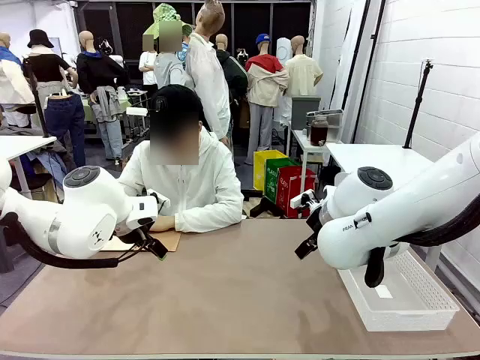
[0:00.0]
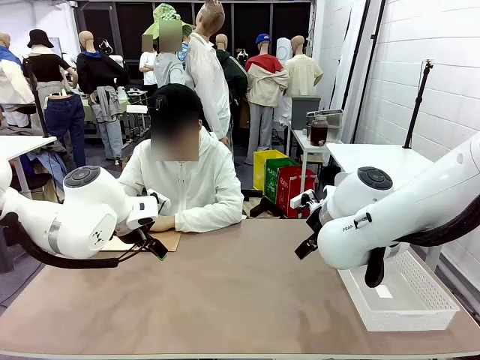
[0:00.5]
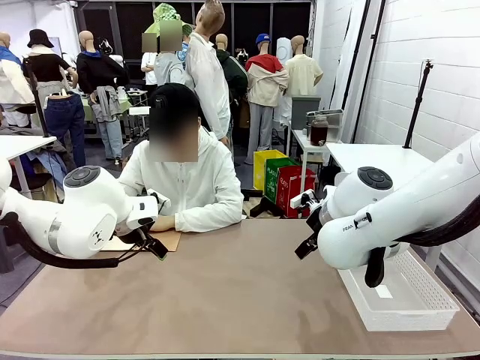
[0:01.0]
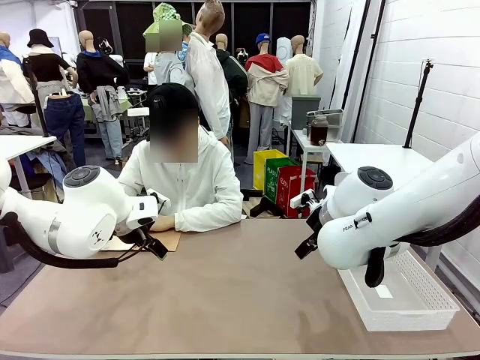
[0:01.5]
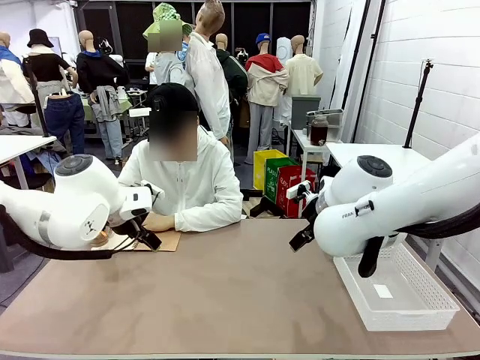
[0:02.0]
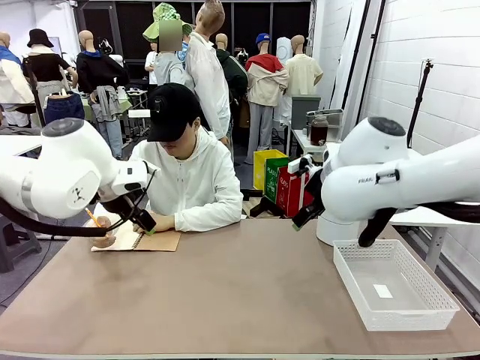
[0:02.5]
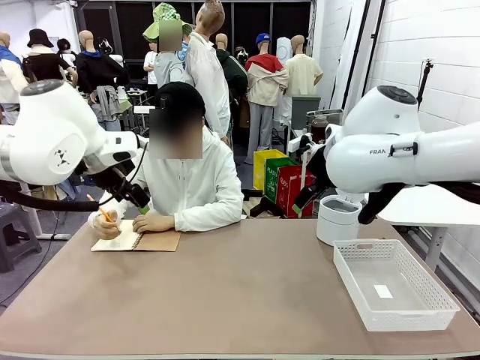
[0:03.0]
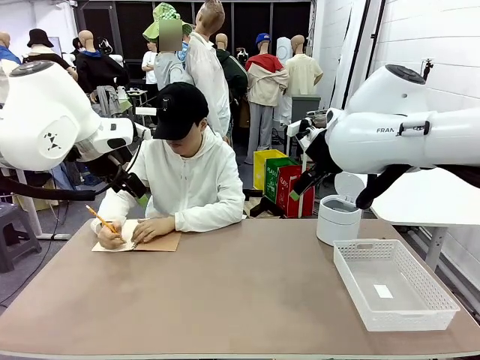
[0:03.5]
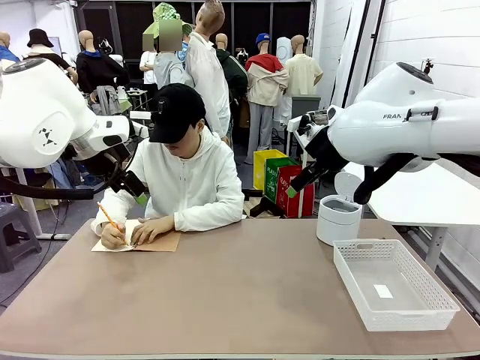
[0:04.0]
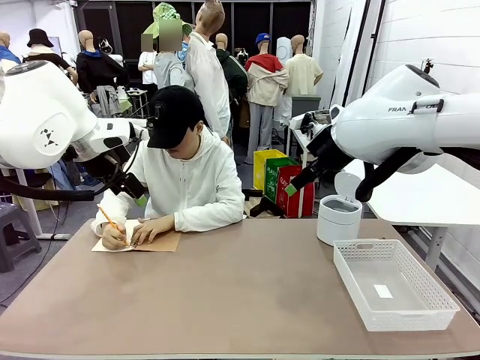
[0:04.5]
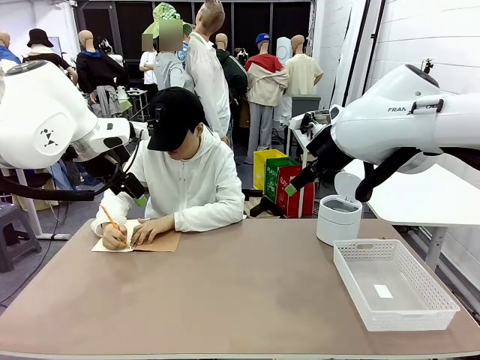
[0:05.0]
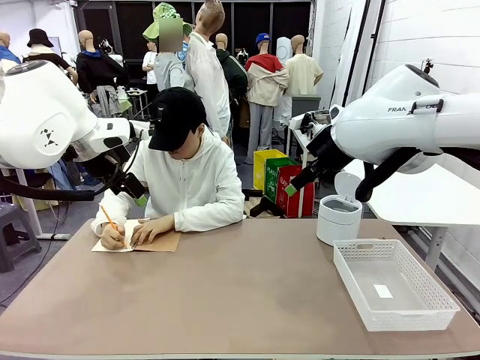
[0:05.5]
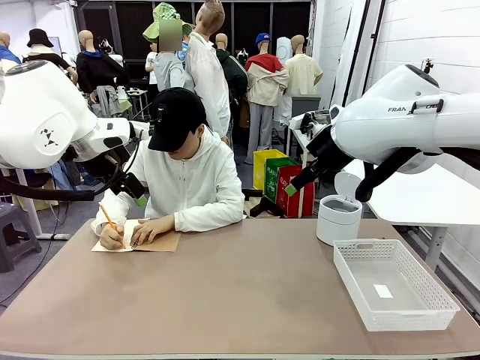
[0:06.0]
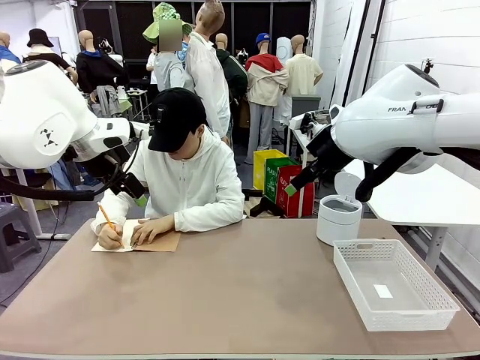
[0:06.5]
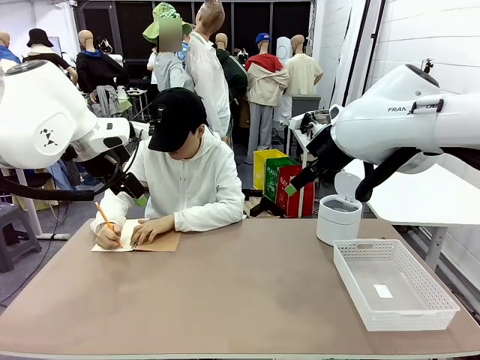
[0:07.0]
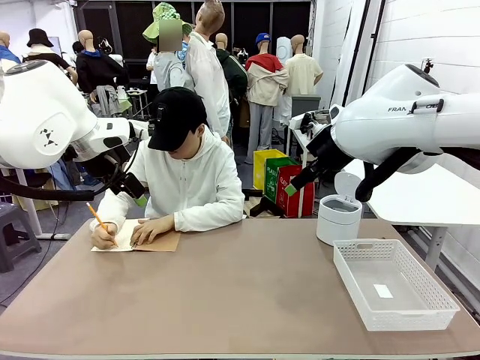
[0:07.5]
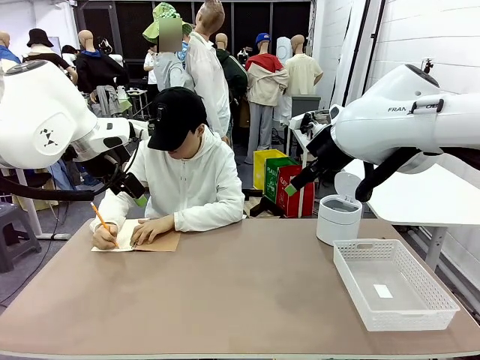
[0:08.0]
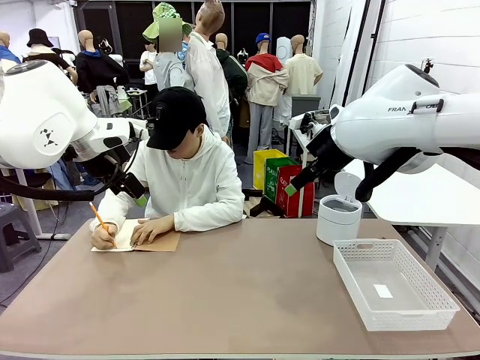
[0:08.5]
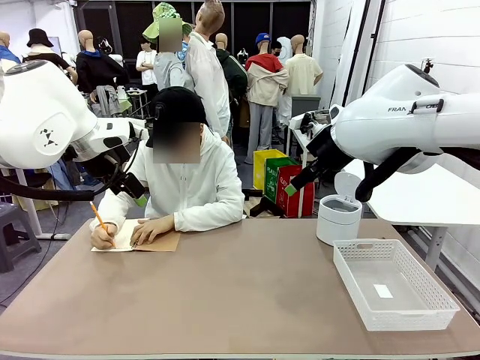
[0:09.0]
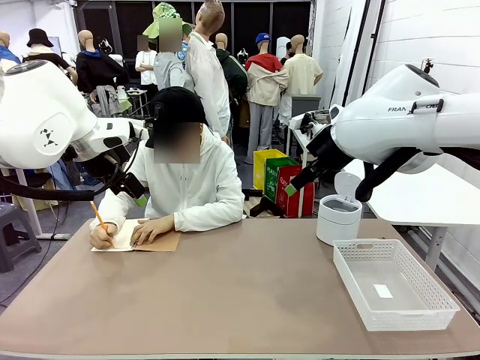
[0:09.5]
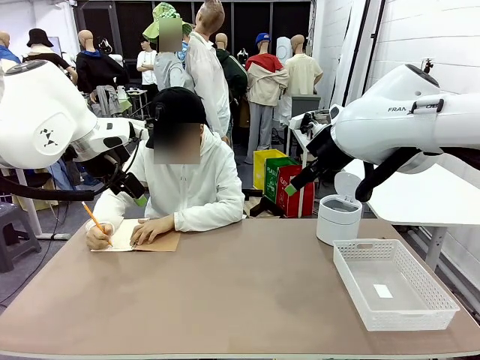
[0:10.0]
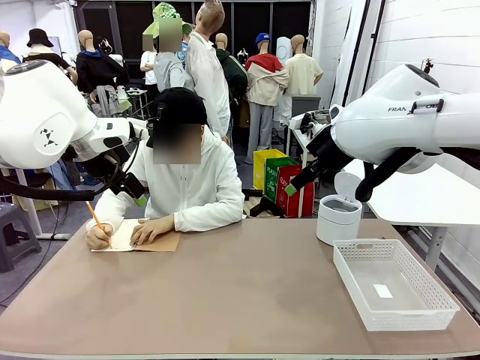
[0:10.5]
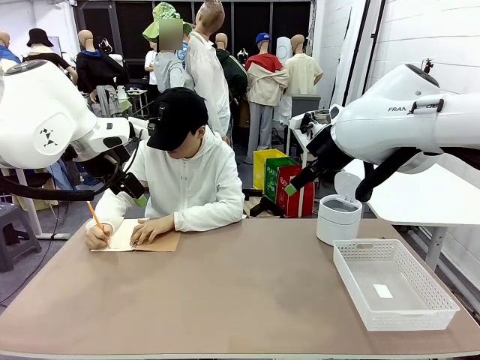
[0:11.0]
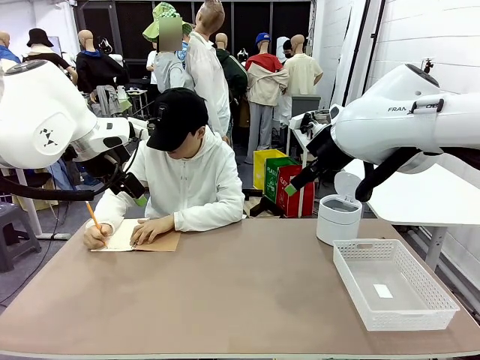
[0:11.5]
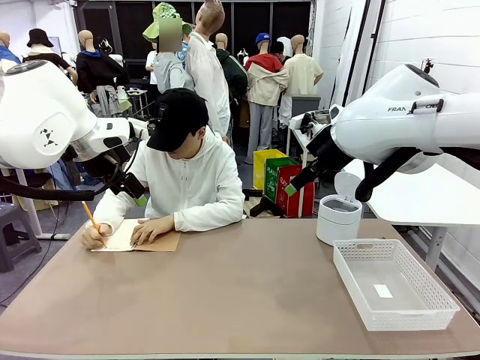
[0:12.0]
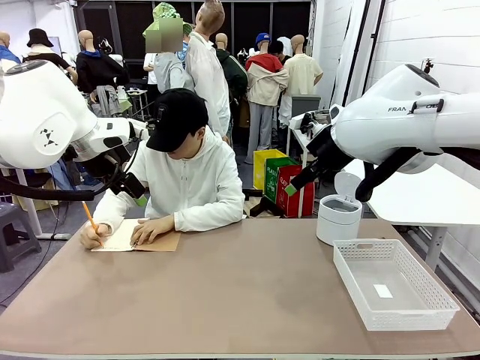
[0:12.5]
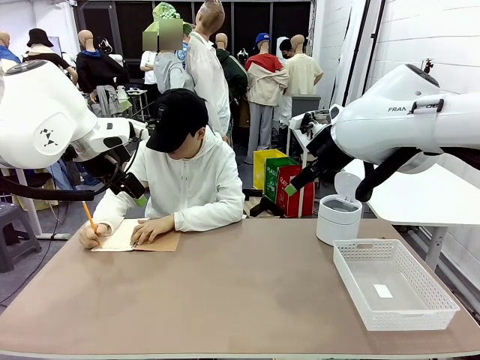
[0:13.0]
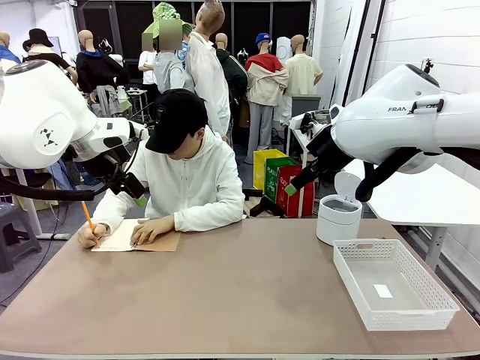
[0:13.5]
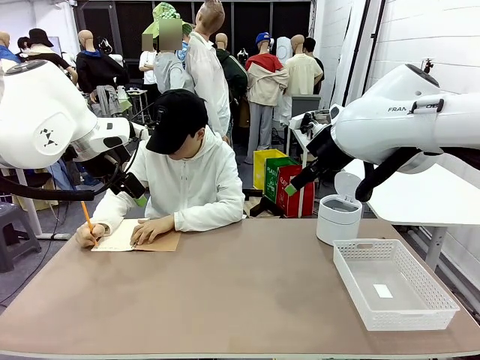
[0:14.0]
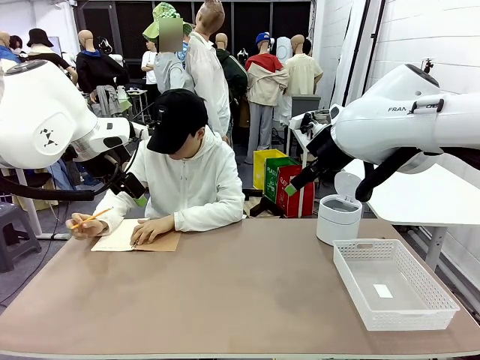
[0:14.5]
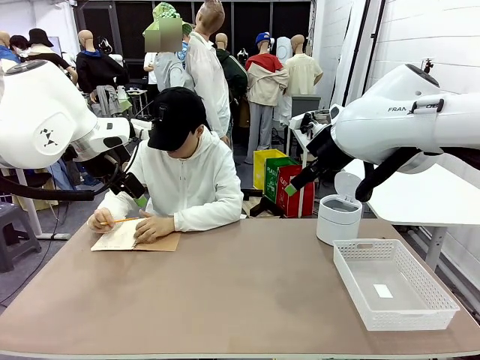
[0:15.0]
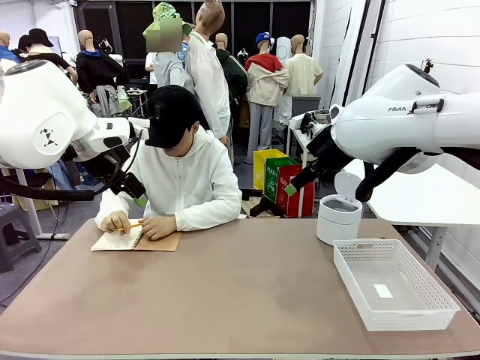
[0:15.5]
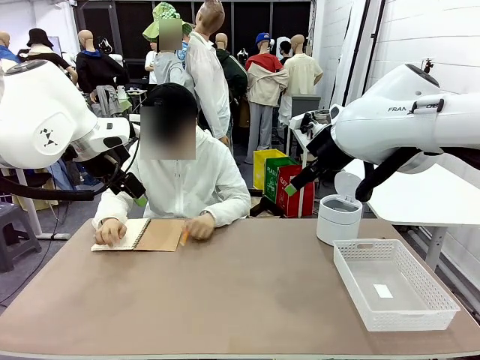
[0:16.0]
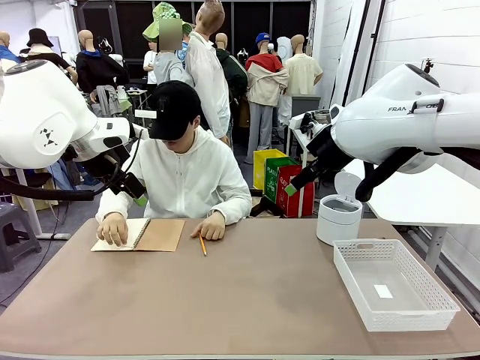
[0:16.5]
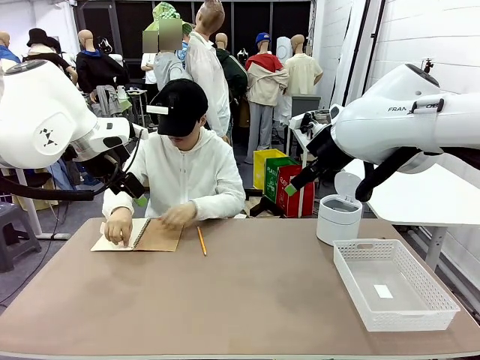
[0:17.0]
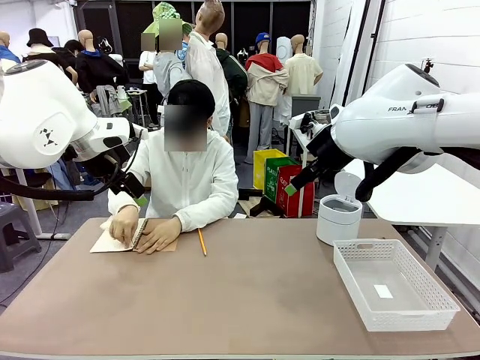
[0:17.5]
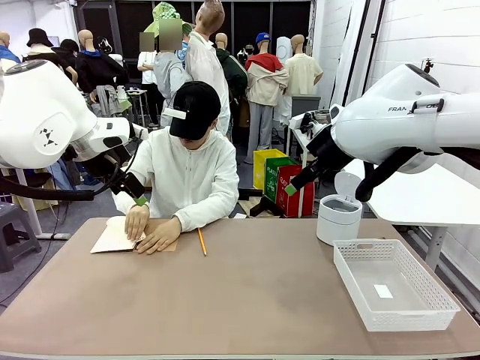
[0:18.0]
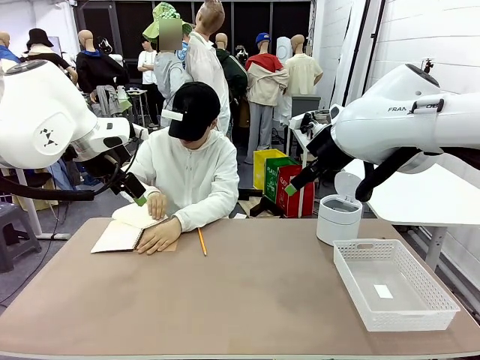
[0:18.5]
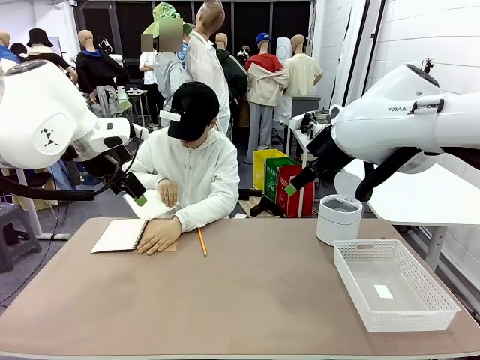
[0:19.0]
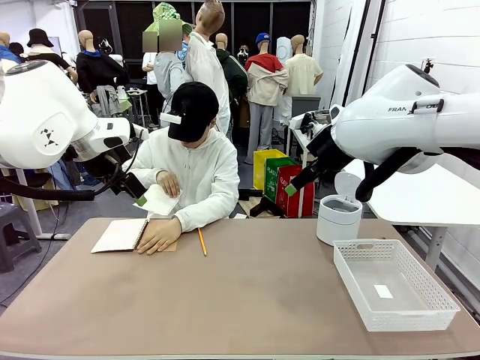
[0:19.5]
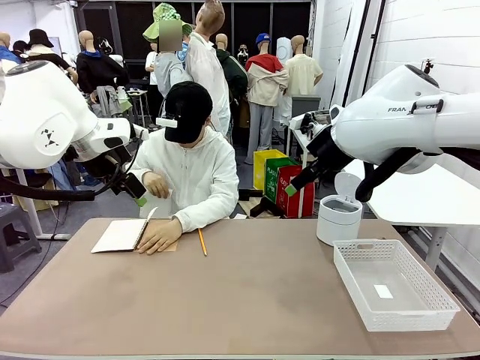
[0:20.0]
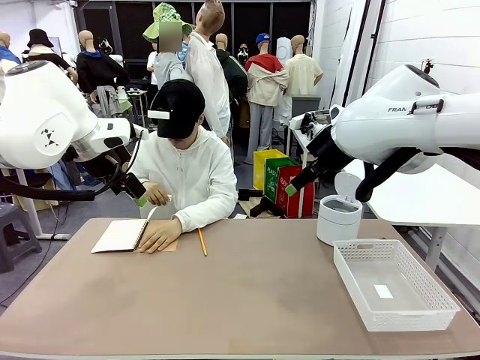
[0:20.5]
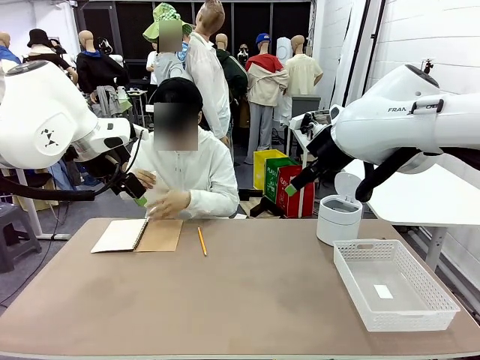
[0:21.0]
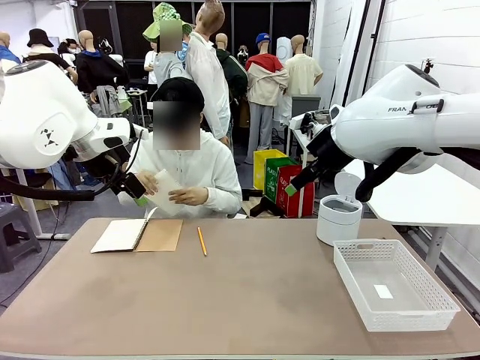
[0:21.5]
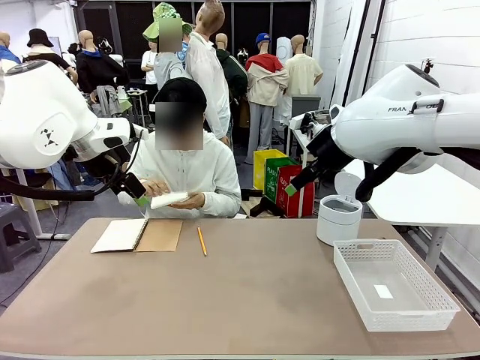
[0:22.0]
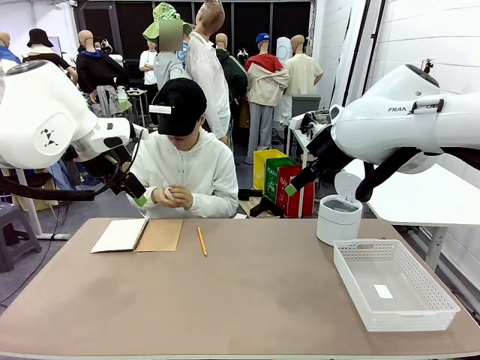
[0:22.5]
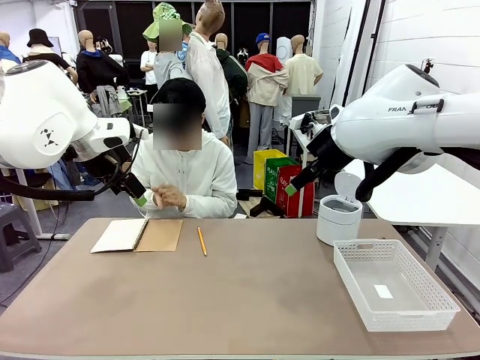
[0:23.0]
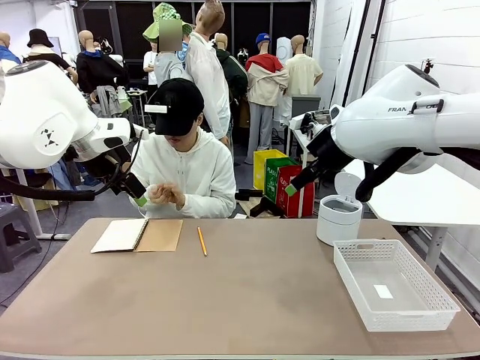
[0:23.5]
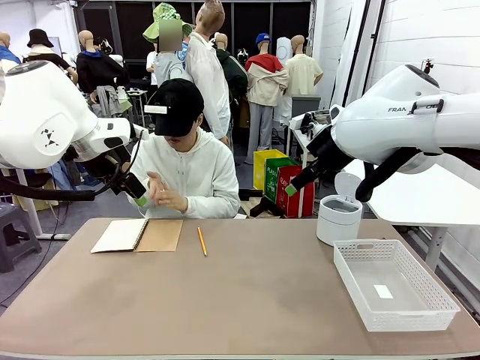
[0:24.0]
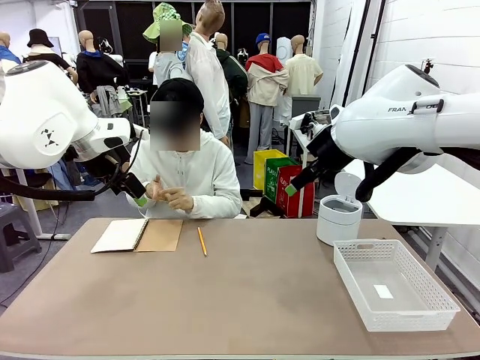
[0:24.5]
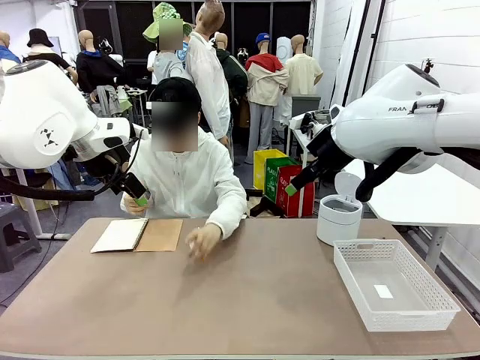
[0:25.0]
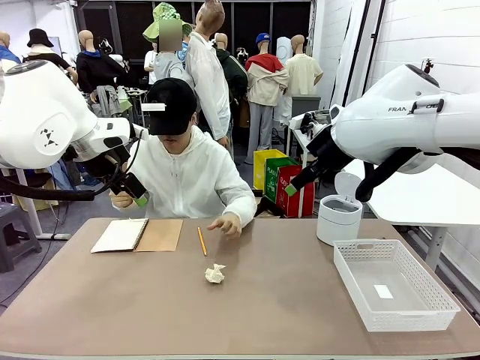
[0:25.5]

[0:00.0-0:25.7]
Task: Sort the paper based on its condition.
Robot: If a person hands you a paper, place it in the Organizing basket , and if it's crumpled, put it in the Trash can.
Person: Tear out a page from the spiral notebook. Hand the torn page to the robot or crumple it and throw it to the center of the table.
